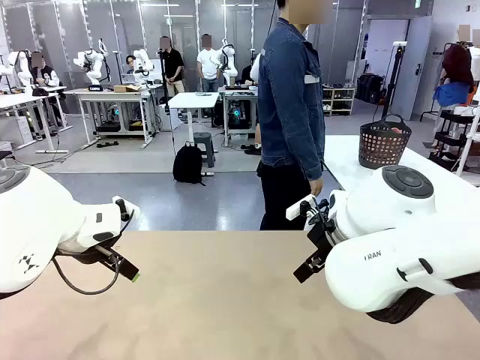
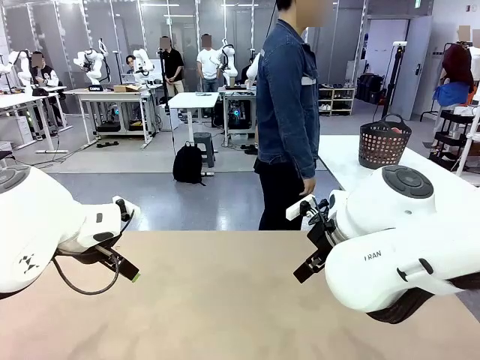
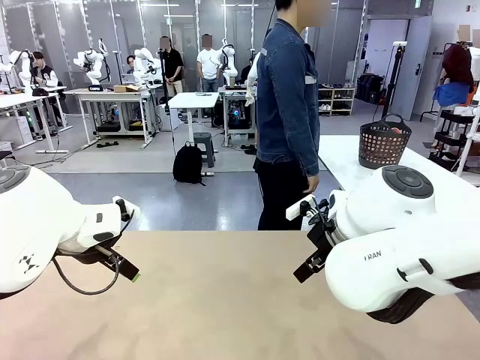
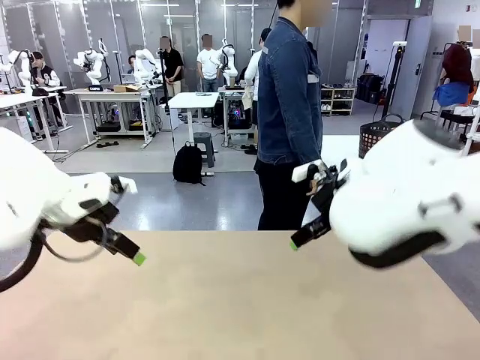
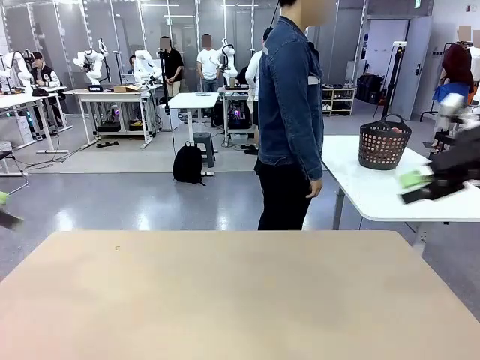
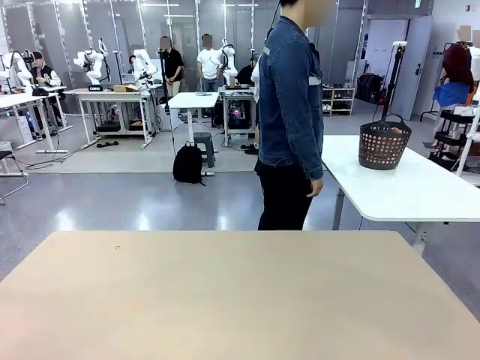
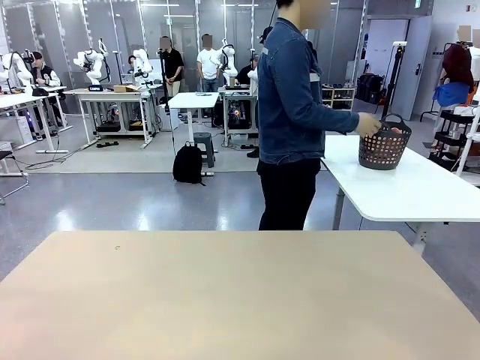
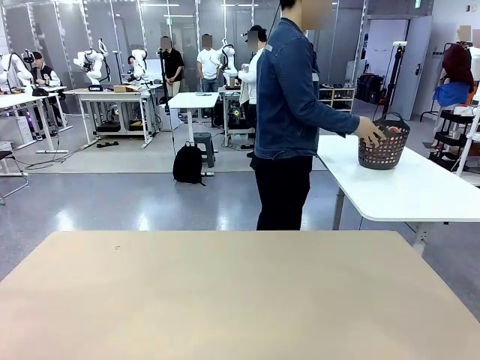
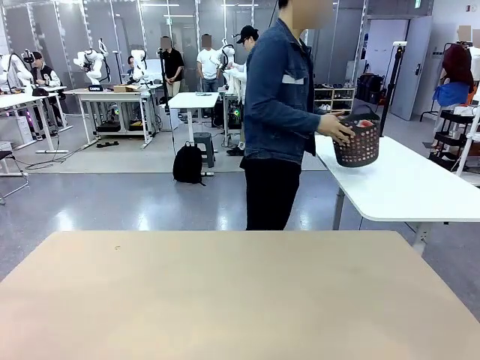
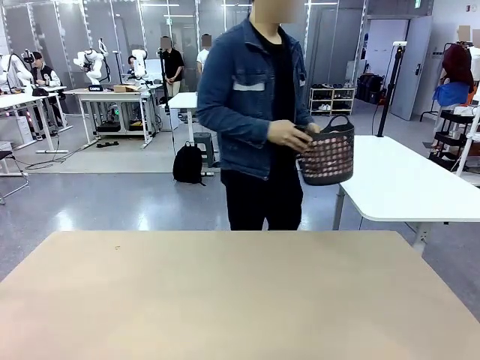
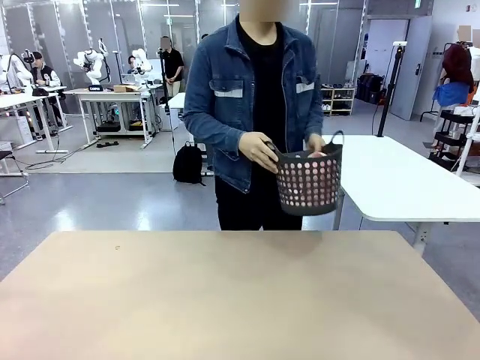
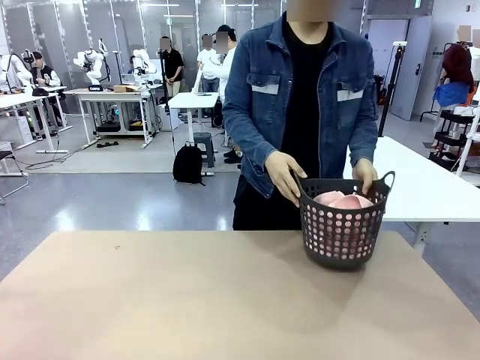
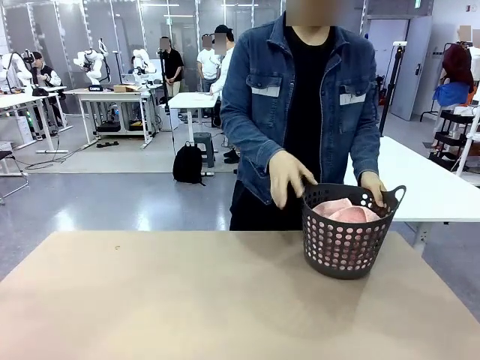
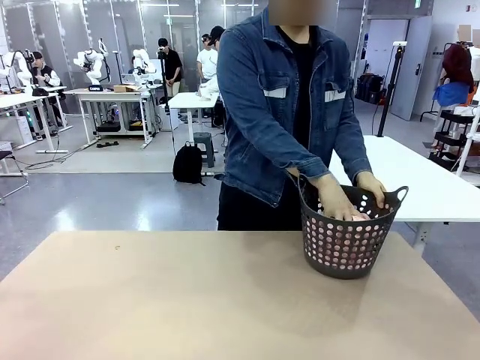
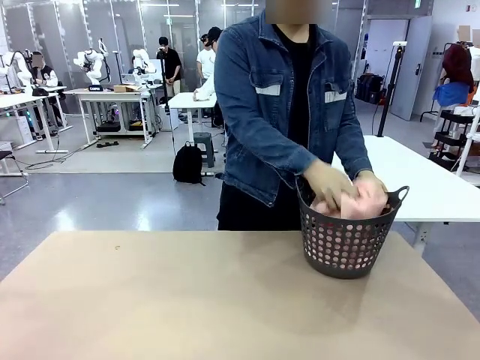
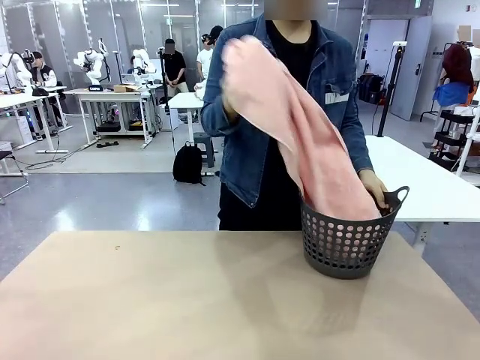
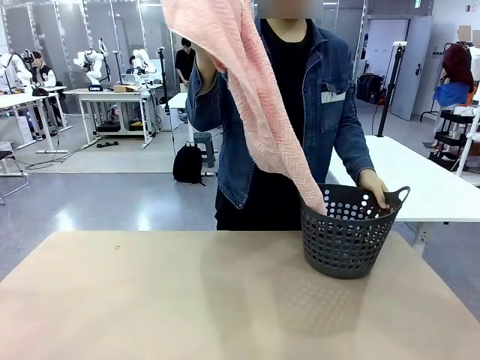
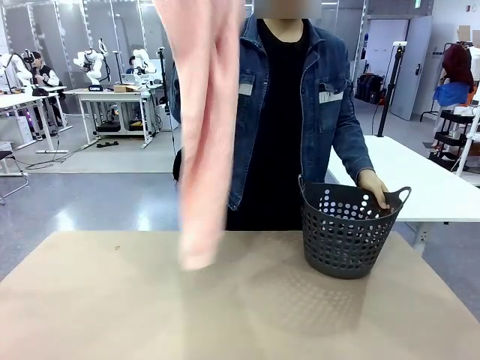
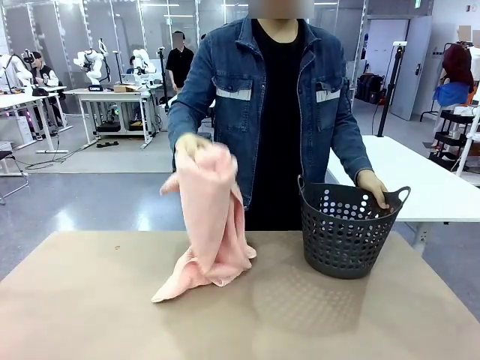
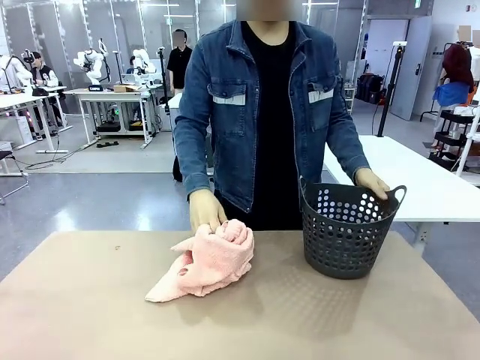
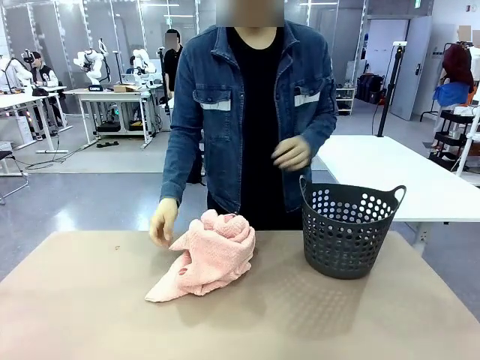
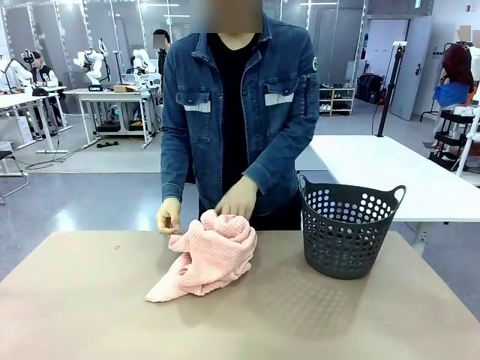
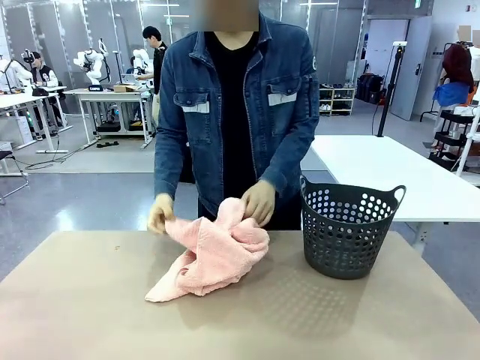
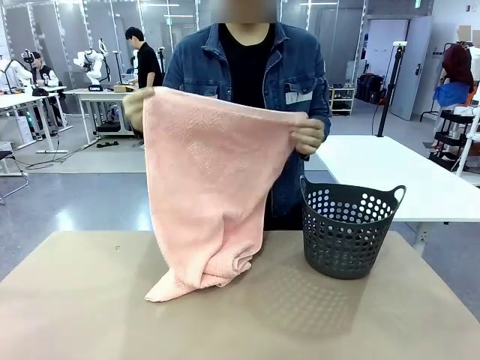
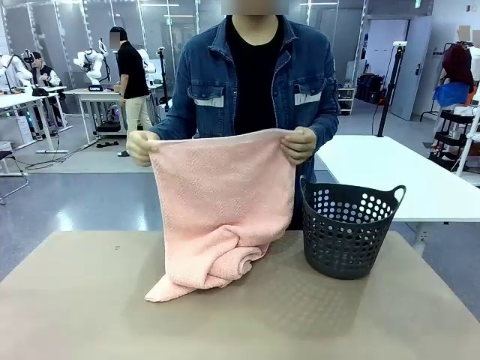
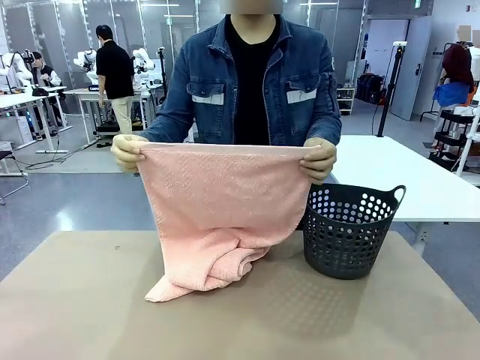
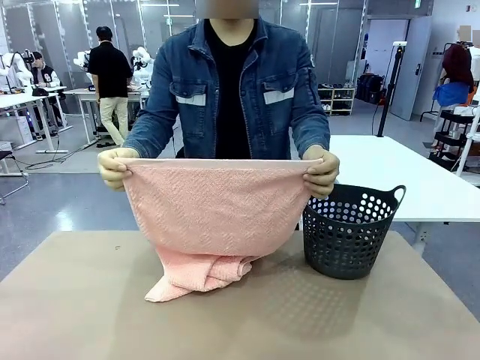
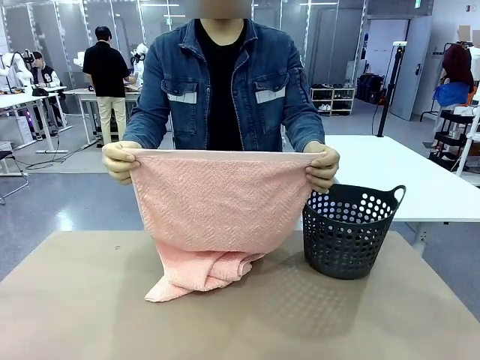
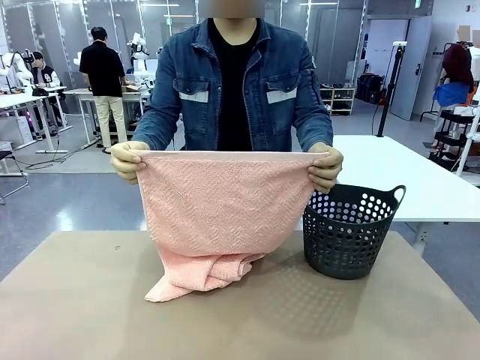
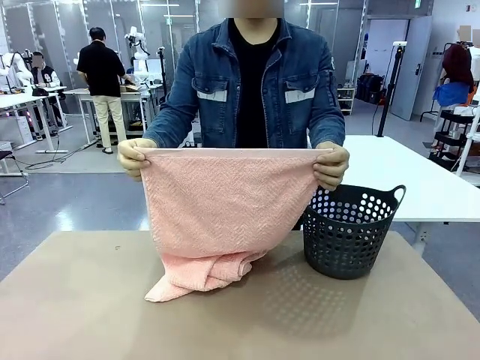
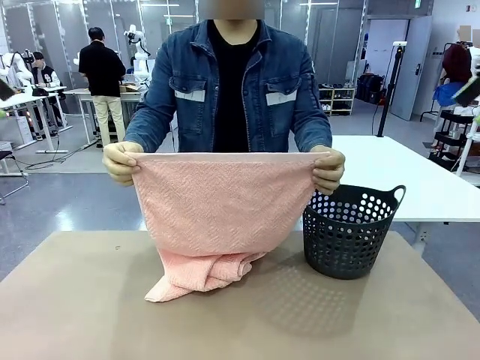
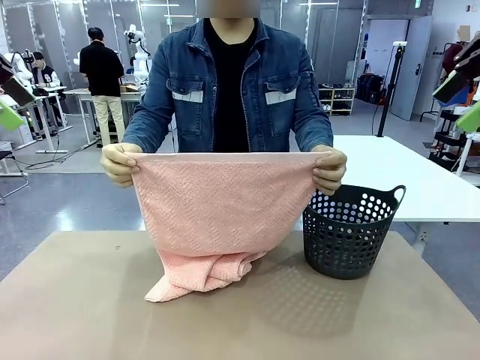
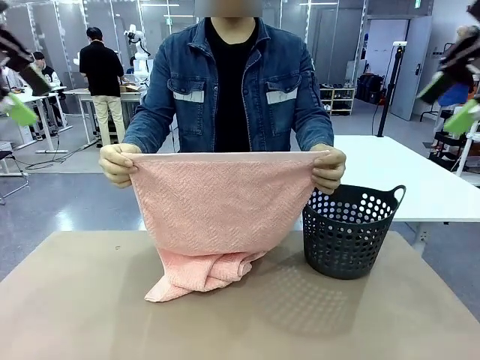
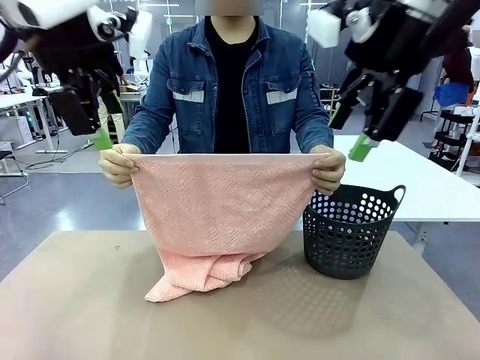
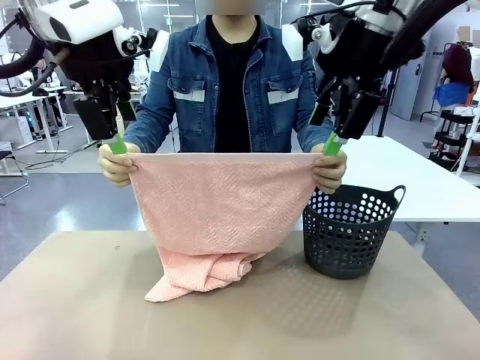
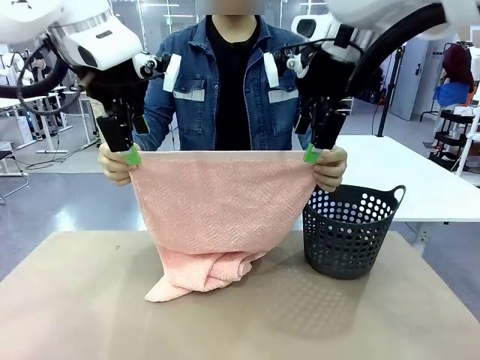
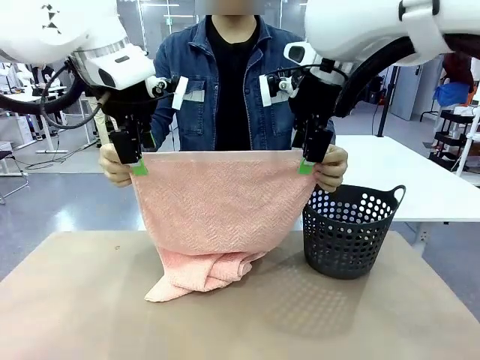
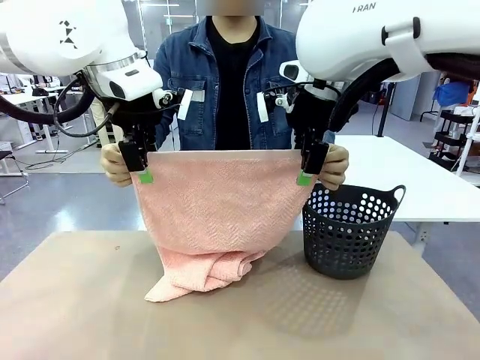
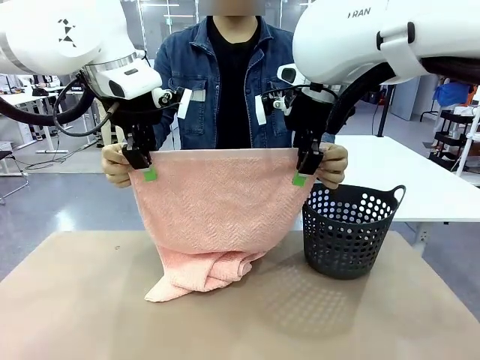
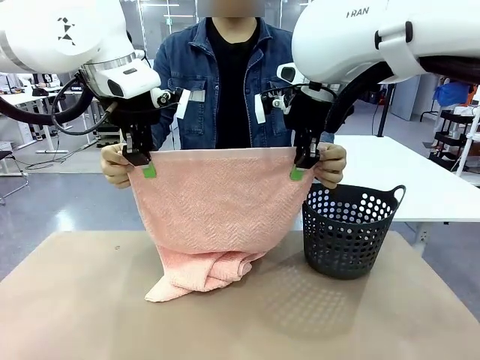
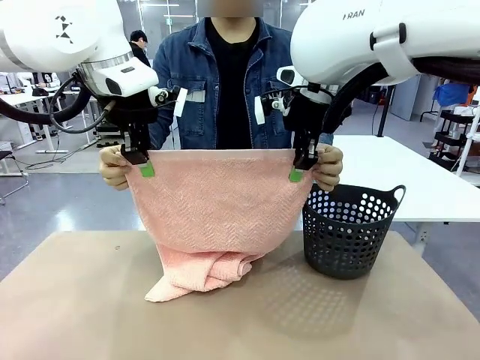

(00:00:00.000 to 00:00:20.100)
Task: Fold the towel.
Robot: Grab the top end of the 100 cm Hotel Towel extended by the human.
Person: Pick up the laundry basket, place it on the left side of the robot table, then take out a towel and hand it to the robot while holding both corners of one end.
